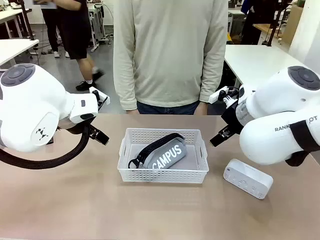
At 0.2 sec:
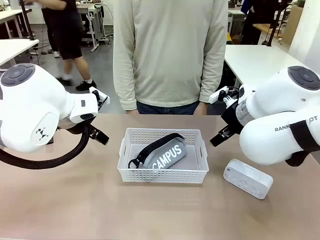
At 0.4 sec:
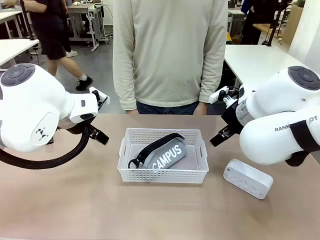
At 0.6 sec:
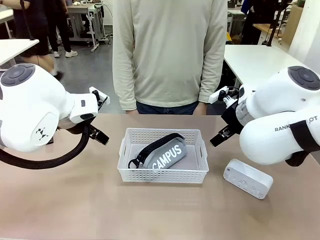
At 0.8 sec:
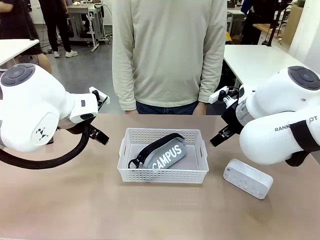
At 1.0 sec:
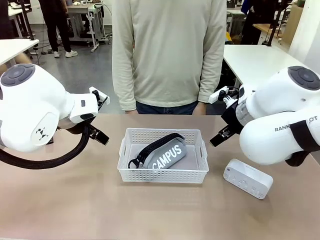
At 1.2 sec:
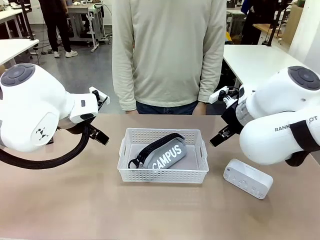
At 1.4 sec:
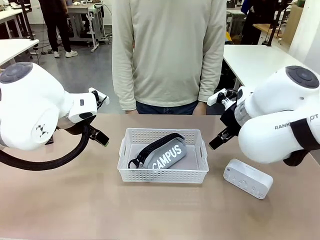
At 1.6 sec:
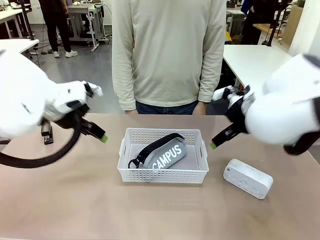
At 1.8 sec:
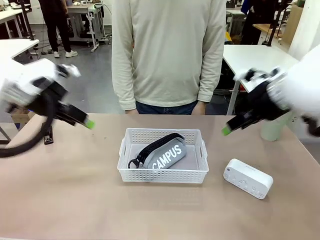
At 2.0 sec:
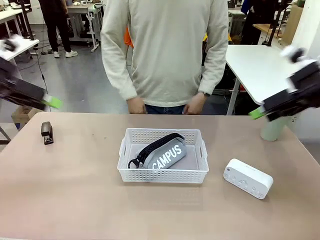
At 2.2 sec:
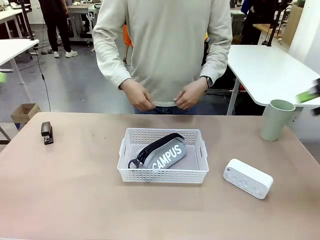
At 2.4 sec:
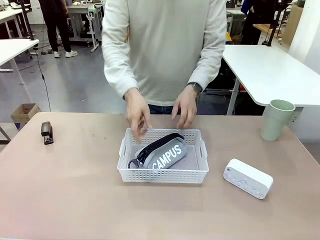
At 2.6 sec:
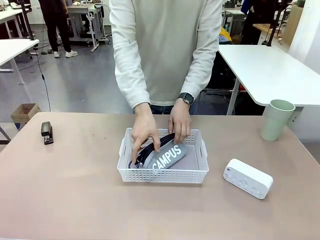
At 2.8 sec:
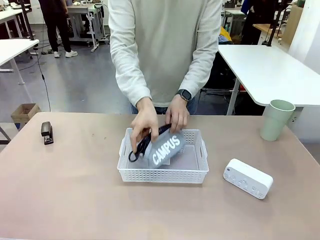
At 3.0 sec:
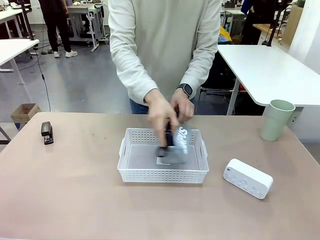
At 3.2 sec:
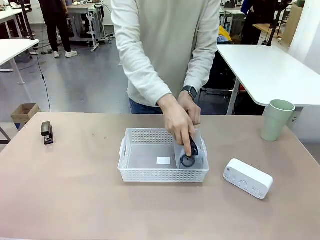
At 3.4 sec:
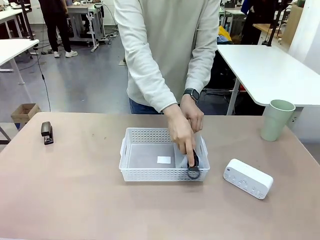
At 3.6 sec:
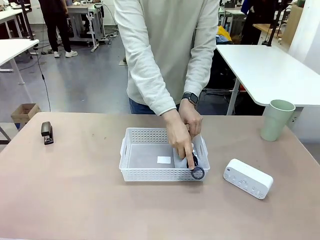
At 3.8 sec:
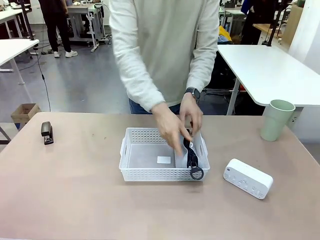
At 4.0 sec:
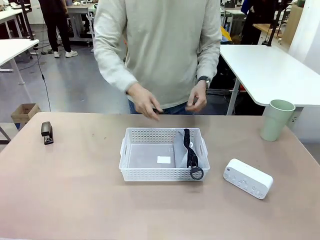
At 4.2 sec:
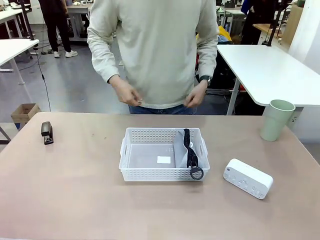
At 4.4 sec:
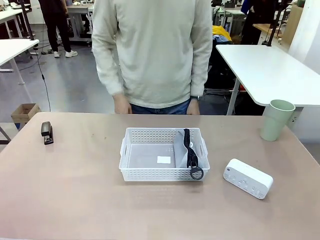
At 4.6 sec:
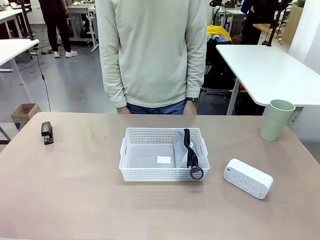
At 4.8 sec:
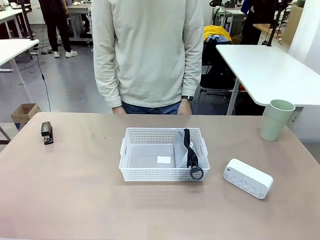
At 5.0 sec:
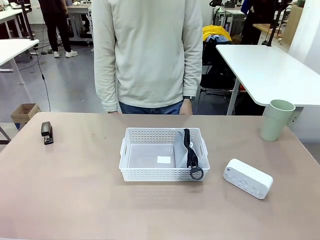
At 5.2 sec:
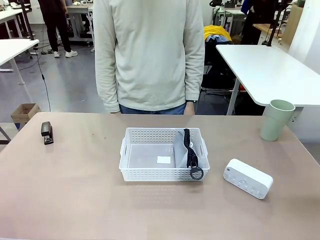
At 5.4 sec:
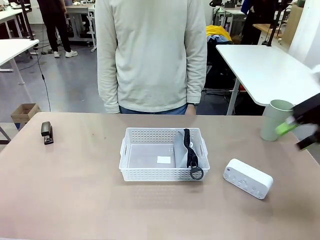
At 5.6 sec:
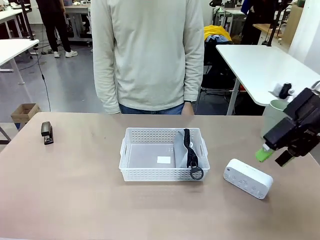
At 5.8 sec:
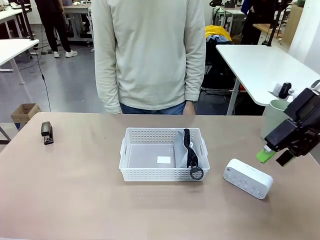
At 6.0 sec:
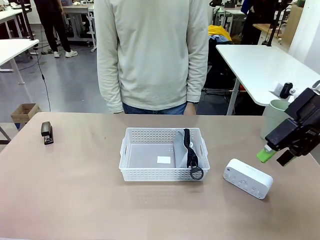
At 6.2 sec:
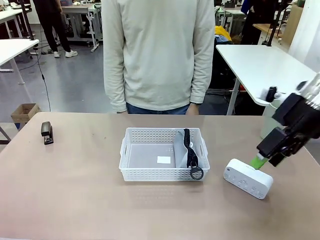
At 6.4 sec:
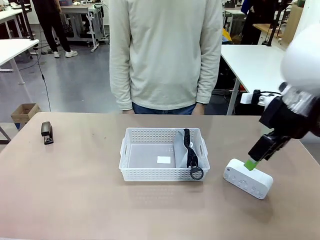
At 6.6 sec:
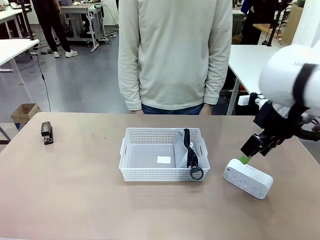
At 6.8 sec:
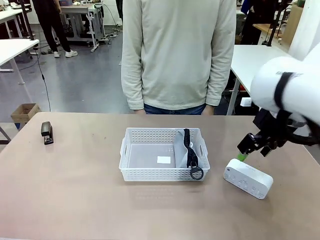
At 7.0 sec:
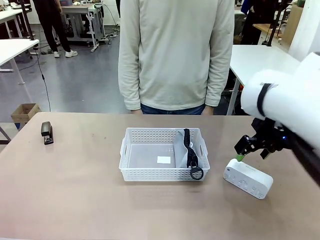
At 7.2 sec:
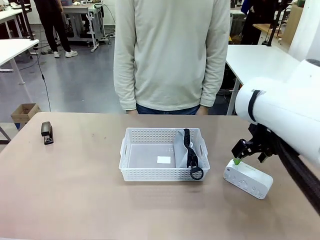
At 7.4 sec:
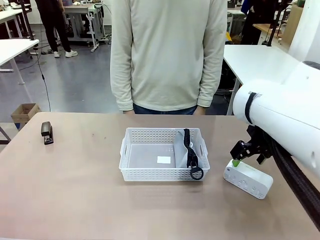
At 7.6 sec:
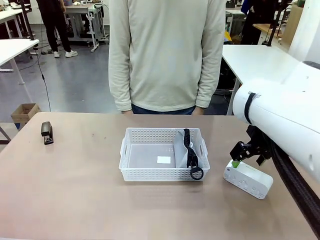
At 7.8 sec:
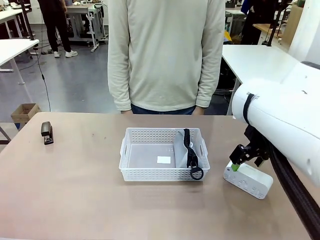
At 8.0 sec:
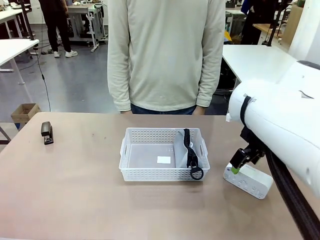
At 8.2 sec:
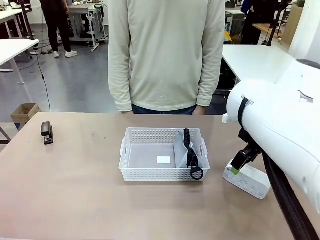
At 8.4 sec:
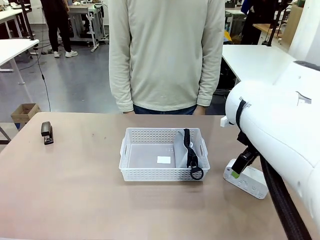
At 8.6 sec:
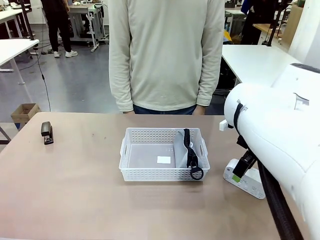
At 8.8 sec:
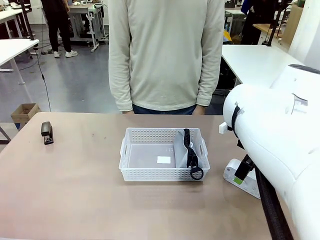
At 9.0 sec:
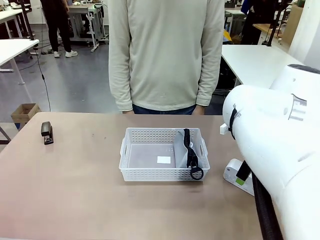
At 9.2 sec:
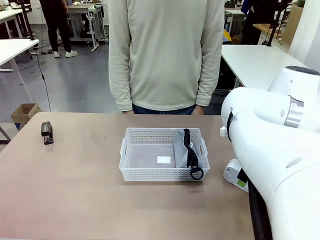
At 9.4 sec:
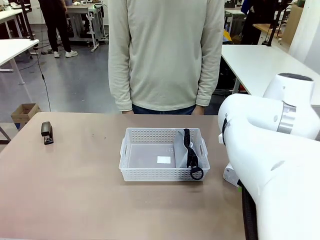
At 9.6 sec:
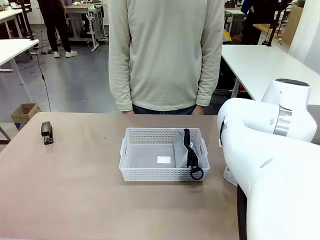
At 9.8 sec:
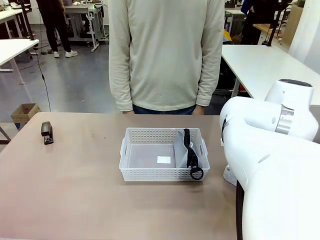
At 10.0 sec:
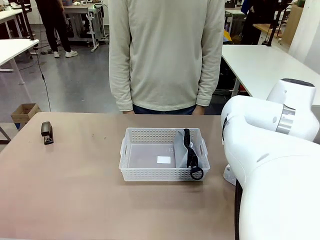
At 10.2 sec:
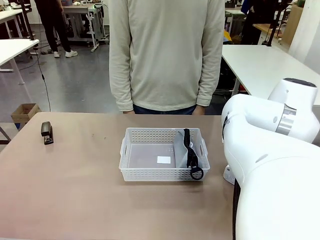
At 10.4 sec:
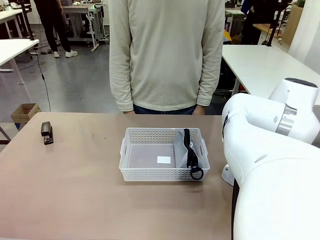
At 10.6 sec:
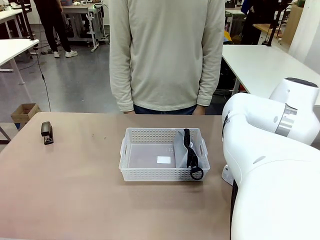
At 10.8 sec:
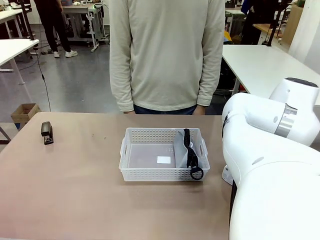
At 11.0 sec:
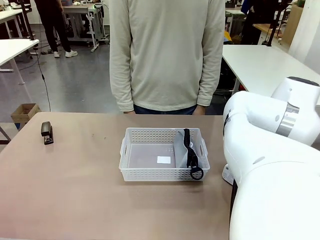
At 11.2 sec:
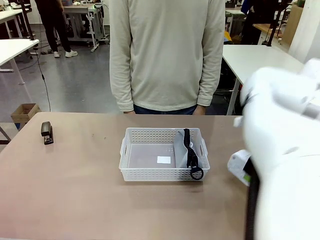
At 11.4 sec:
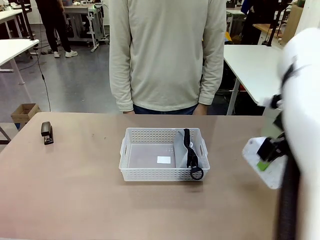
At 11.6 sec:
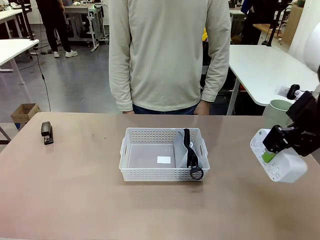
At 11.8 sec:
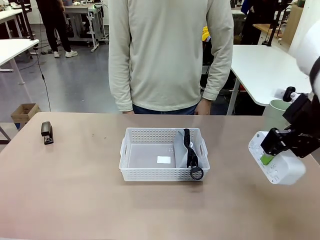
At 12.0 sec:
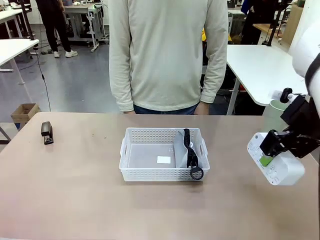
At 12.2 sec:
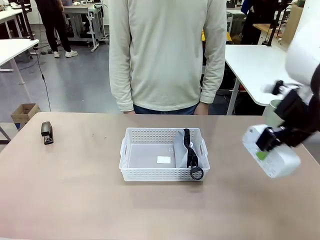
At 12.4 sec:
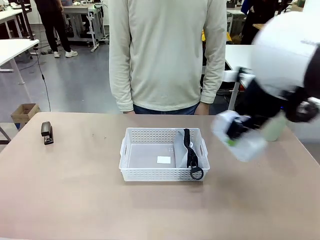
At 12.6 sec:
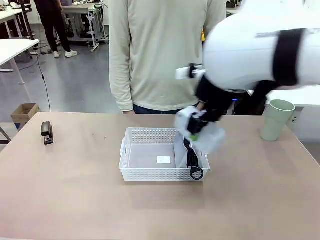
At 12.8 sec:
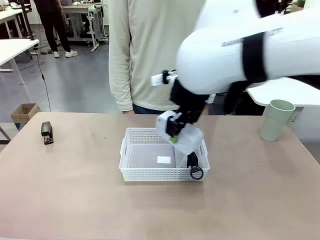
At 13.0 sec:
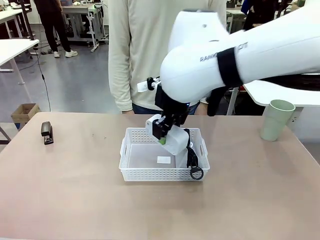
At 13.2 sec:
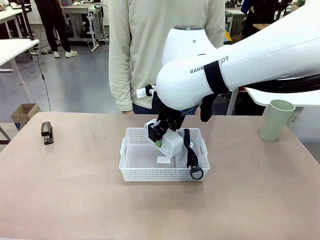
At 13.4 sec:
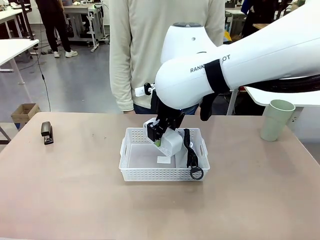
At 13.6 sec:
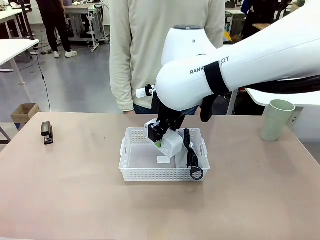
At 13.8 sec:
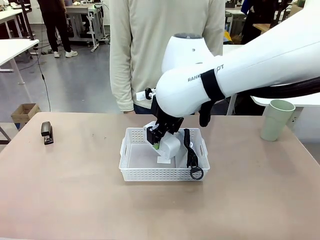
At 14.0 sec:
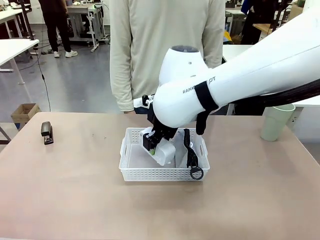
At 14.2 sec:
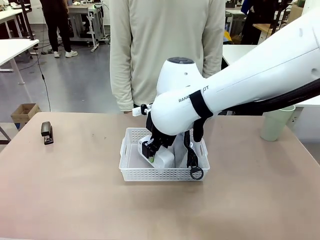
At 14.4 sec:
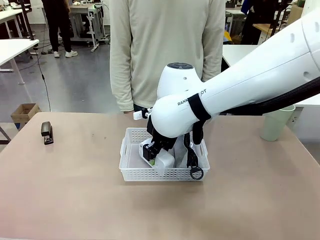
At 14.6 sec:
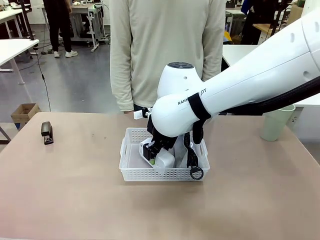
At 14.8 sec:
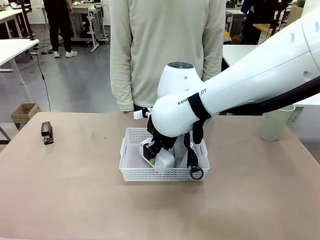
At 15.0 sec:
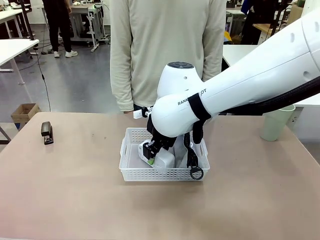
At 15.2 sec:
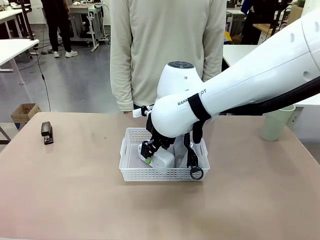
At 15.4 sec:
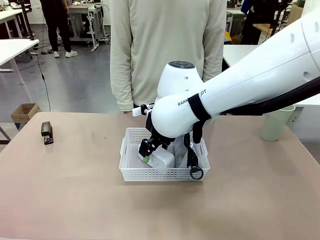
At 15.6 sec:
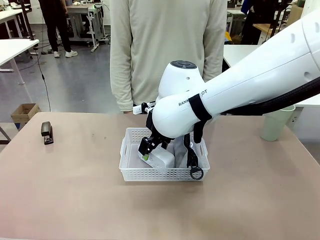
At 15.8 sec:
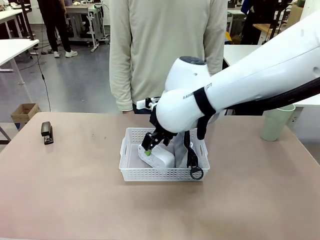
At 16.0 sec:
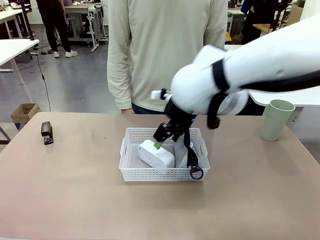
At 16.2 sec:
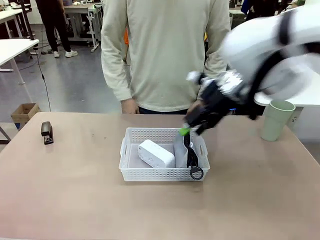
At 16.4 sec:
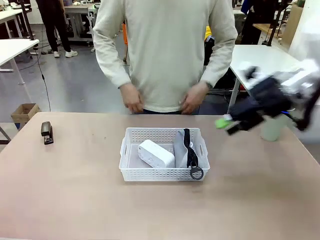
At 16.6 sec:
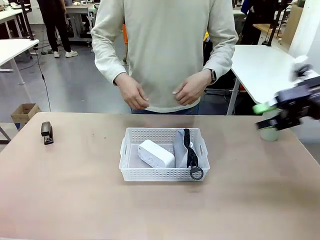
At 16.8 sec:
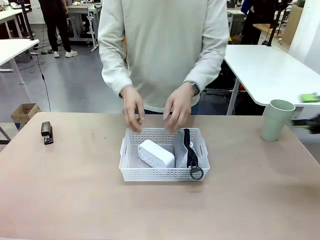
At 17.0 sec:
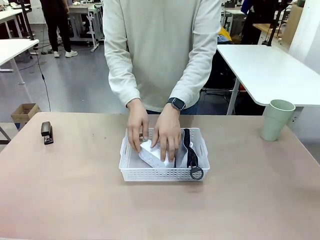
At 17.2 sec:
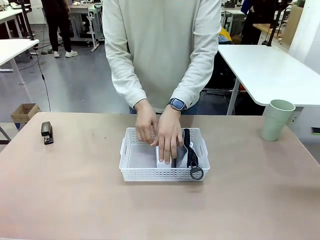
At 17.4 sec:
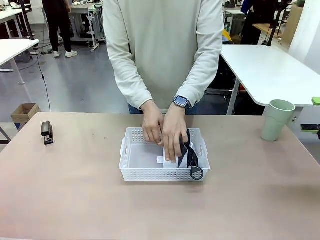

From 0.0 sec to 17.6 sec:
Task: Efficiently arrange items inside the basket to fit them all.
Robot: Pick up the Digital clock and place it inside the Organizing basket.
Person: Repositions the pencil case. Repositions the digital clock.
